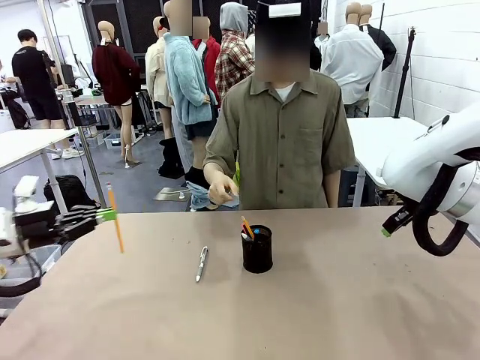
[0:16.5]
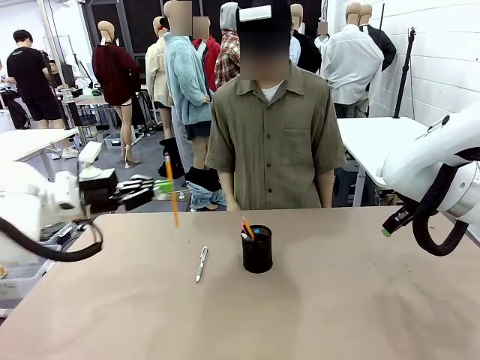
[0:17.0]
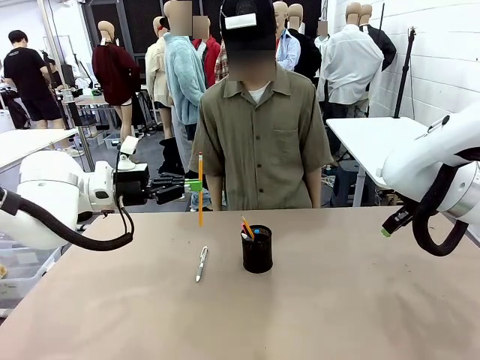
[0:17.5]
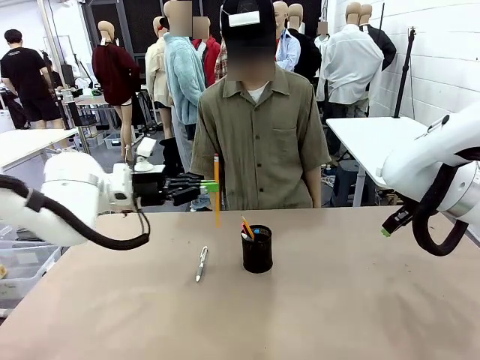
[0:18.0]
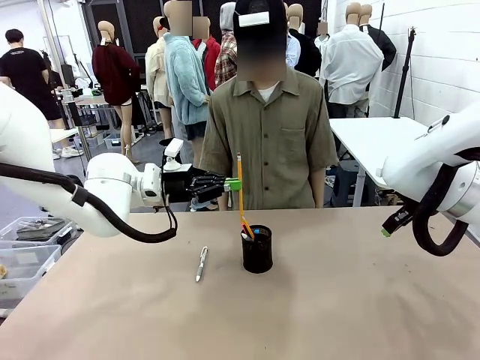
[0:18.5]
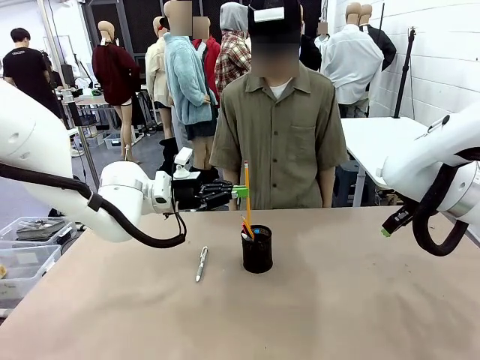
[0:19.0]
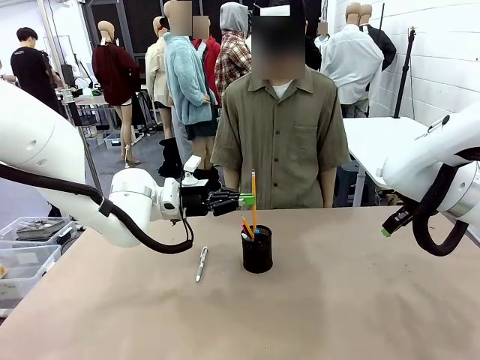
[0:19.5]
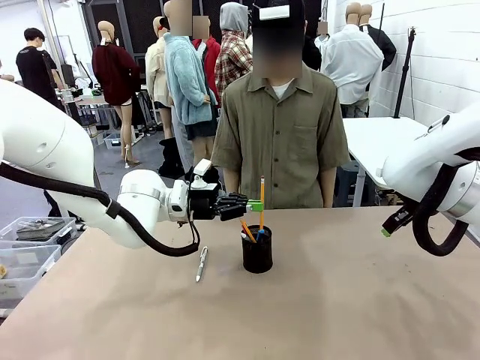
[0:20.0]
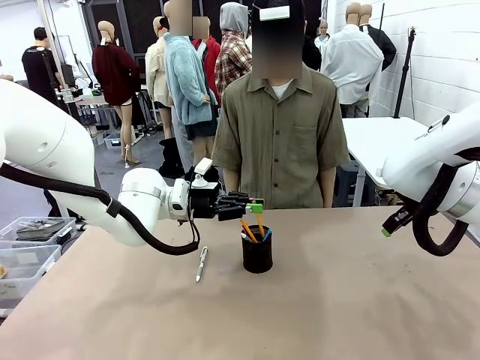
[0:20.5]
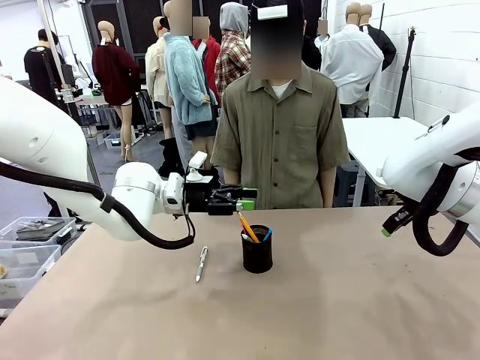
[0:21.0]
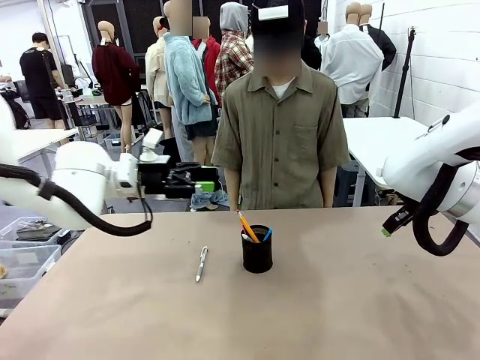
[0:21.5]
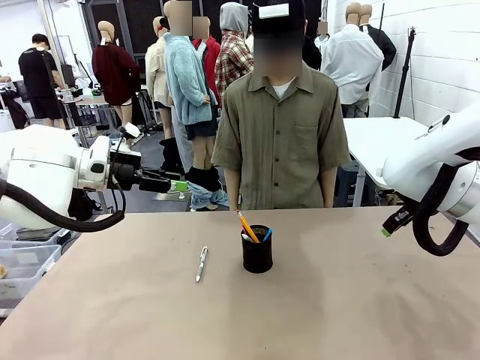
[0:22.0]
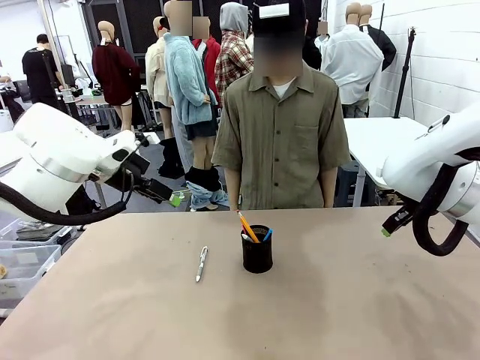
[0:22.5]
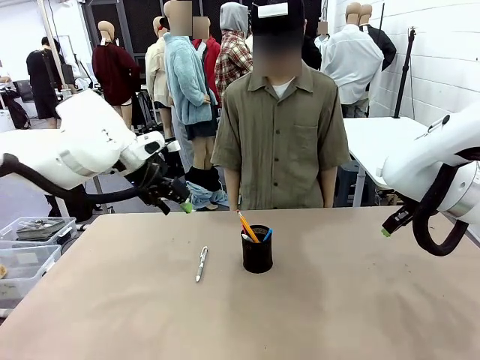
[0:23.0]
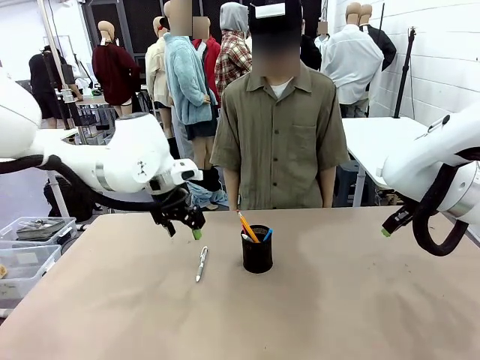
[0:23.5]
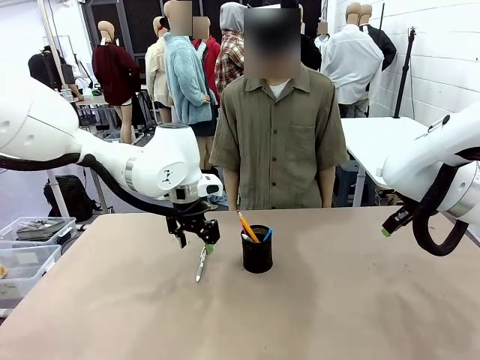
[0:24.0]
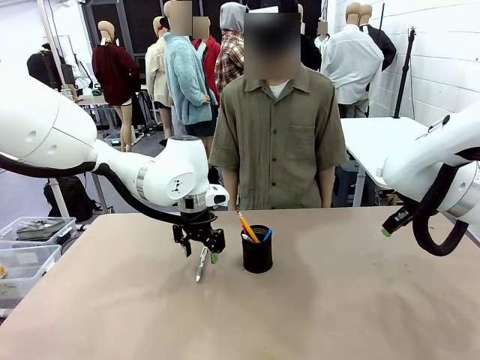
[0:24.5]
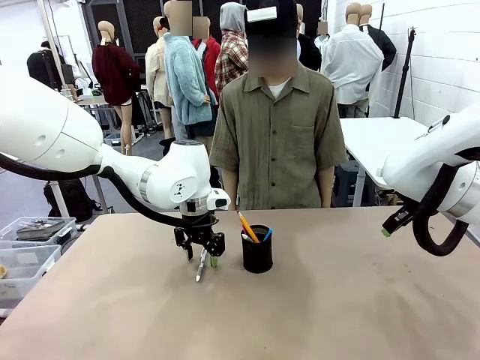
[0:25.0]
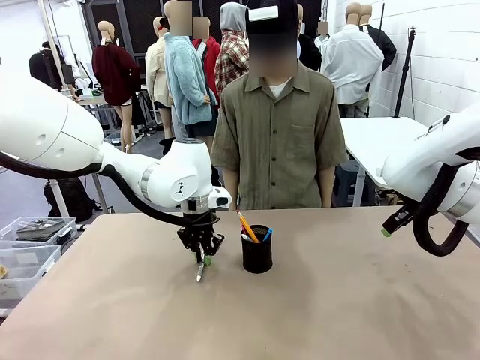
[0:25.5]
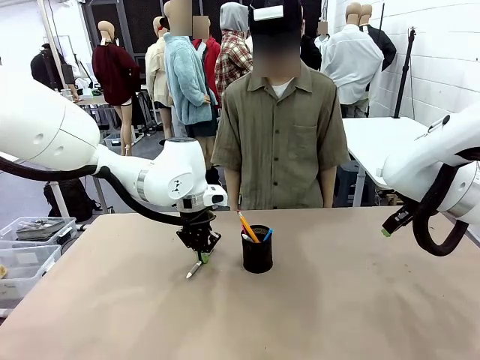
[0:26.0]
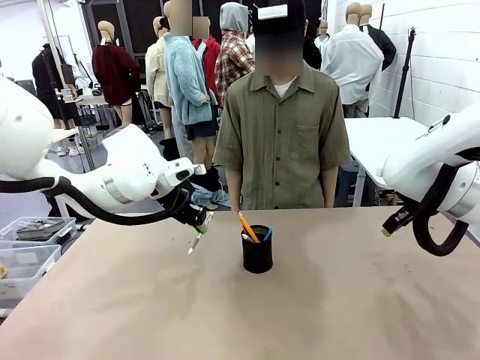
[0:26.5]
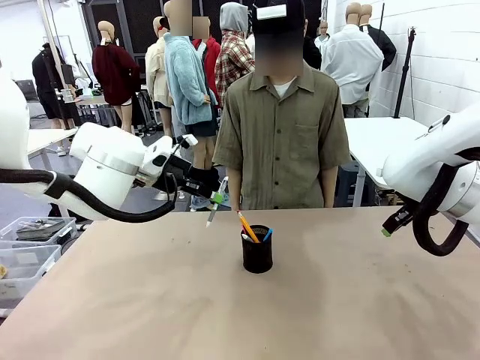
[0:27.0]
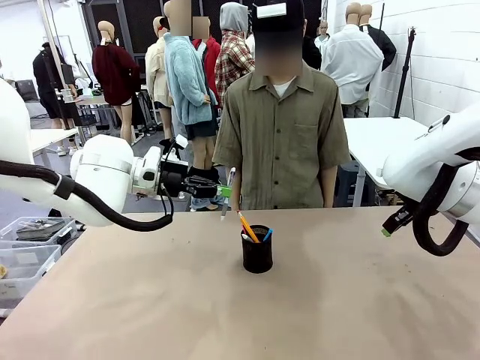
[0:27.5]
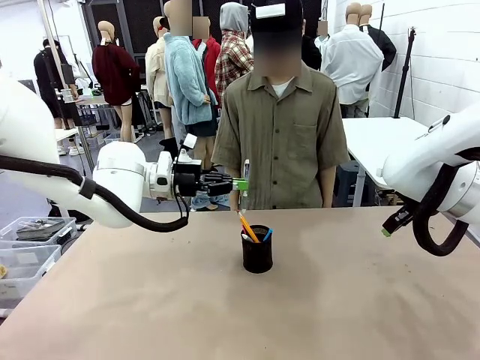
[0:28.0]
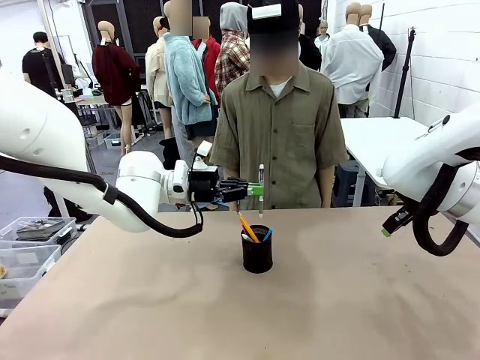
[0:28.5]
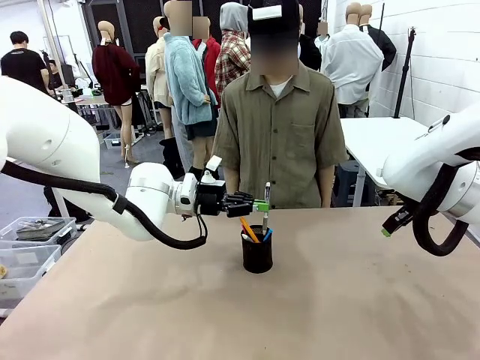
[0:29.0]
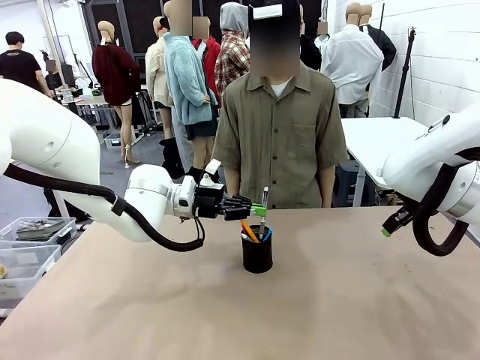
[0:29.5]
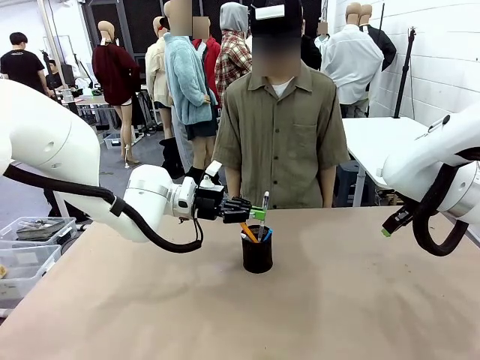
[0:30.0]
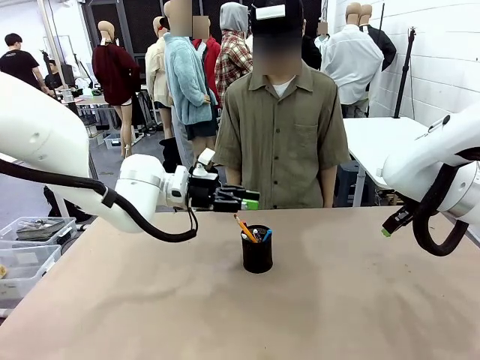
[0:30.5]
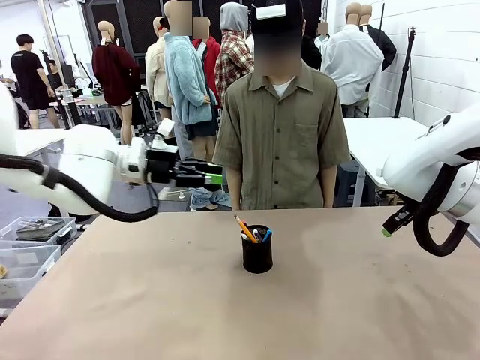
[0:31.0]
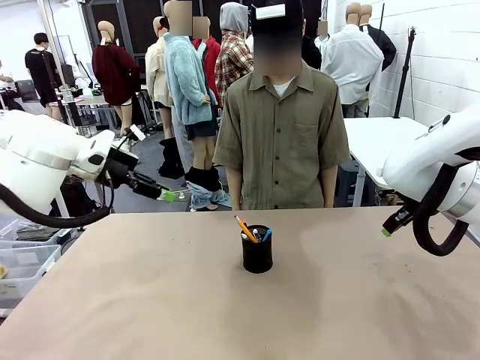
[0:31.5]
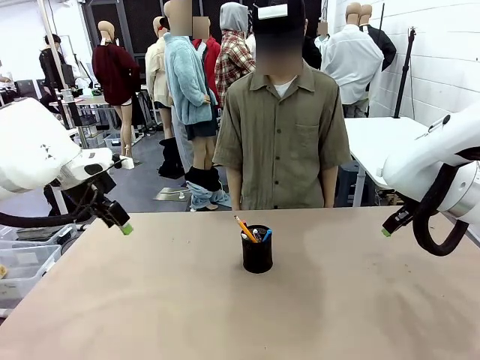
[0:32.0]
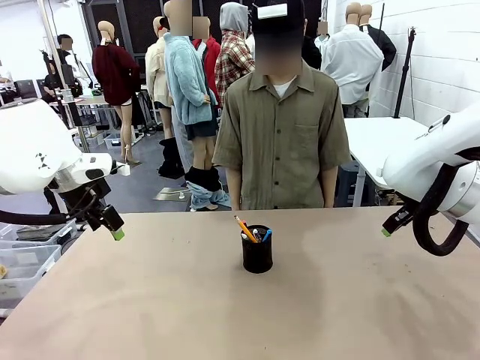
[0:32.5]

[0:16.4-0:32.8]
Task: Place the pens into the pen holder.
Robot: Pick up a writing instrument from the table and place it into the Pen holder.
Person: Place all writing instrument into the Pen holder.

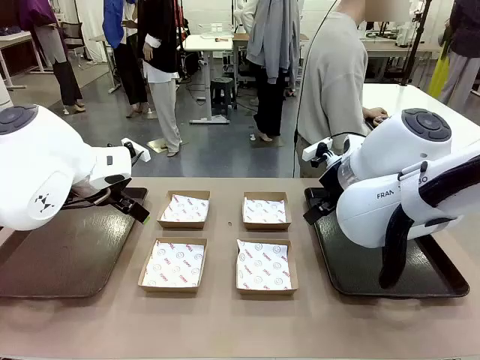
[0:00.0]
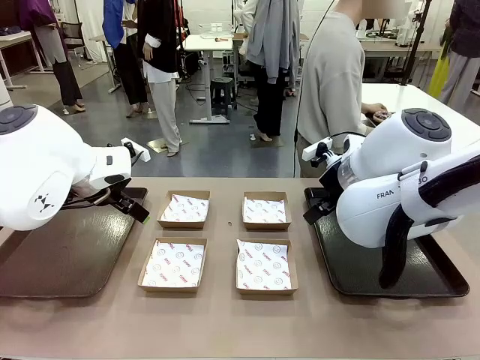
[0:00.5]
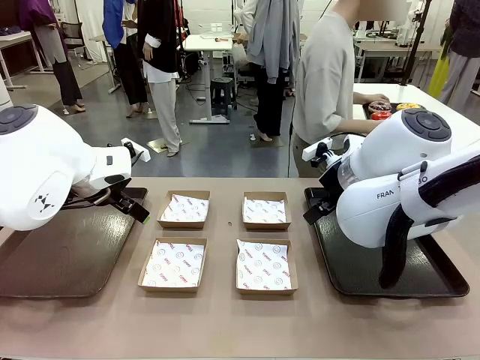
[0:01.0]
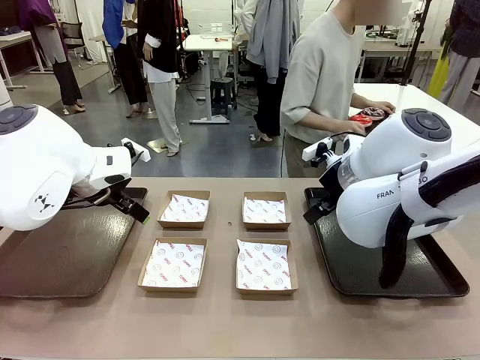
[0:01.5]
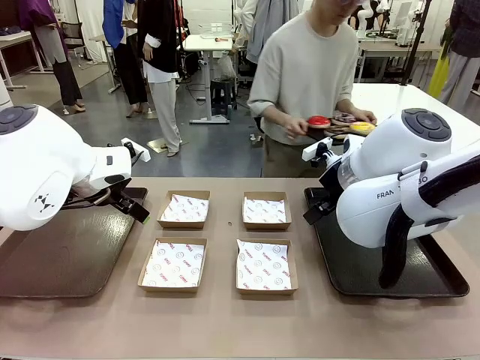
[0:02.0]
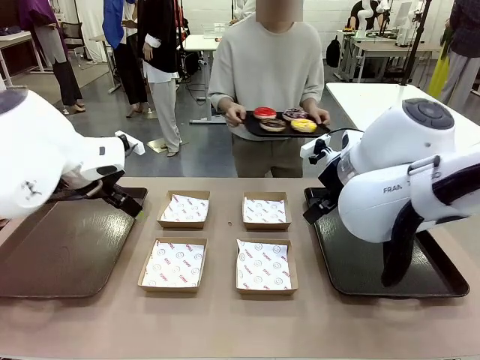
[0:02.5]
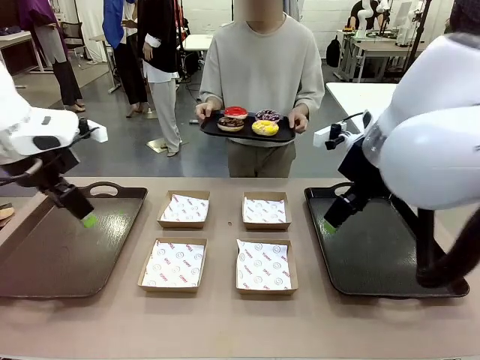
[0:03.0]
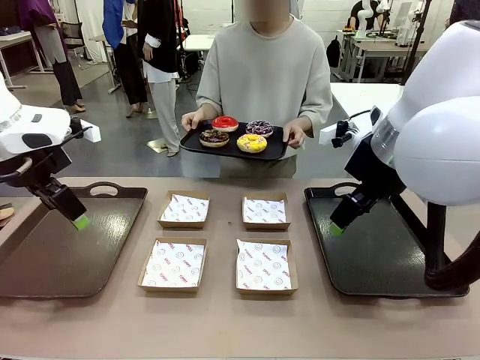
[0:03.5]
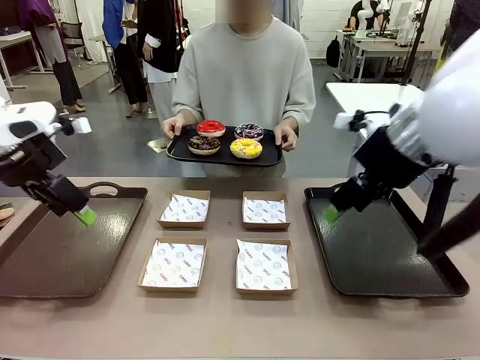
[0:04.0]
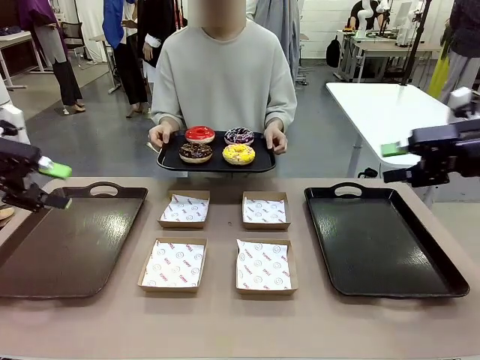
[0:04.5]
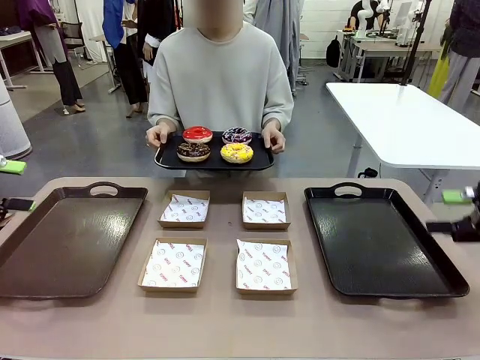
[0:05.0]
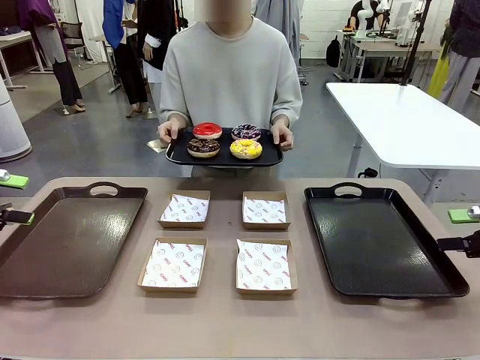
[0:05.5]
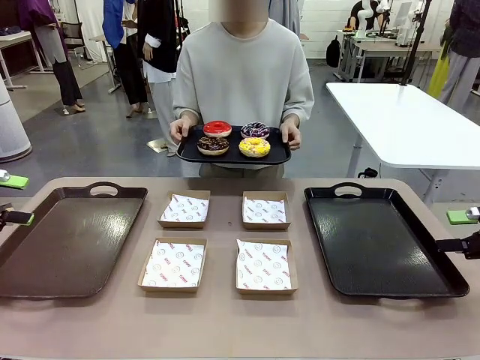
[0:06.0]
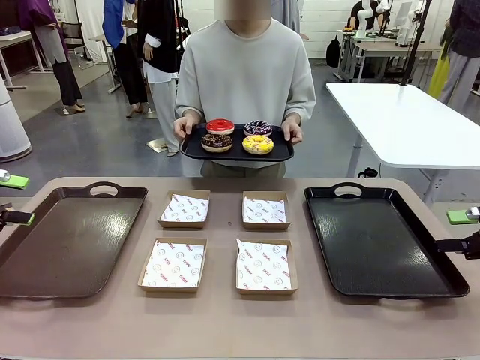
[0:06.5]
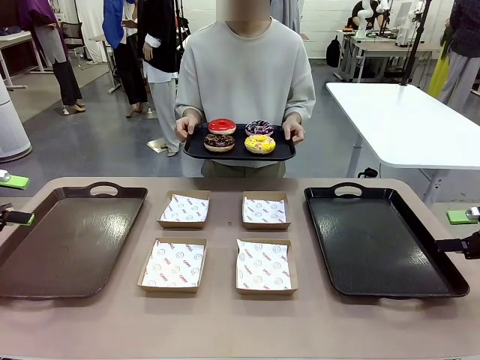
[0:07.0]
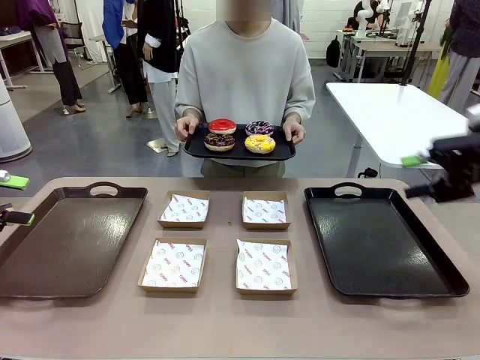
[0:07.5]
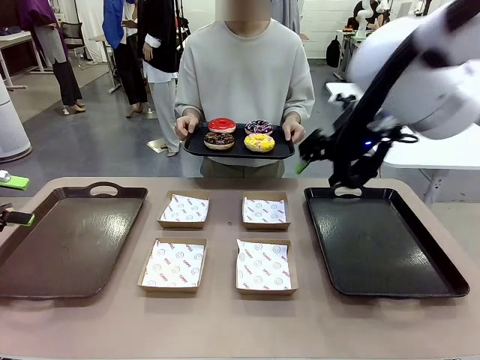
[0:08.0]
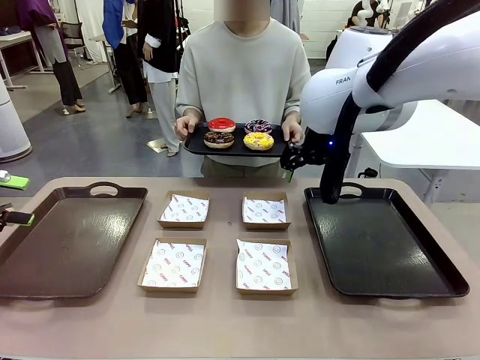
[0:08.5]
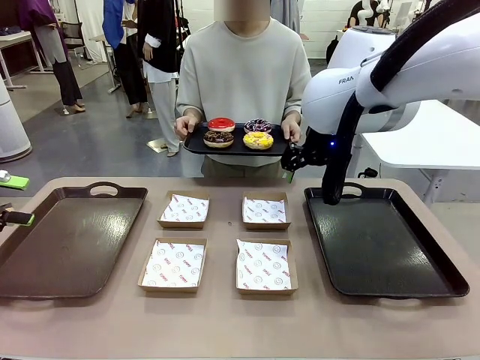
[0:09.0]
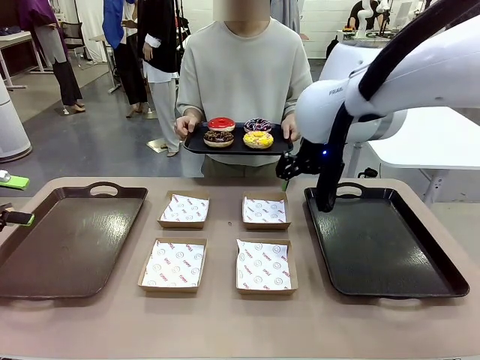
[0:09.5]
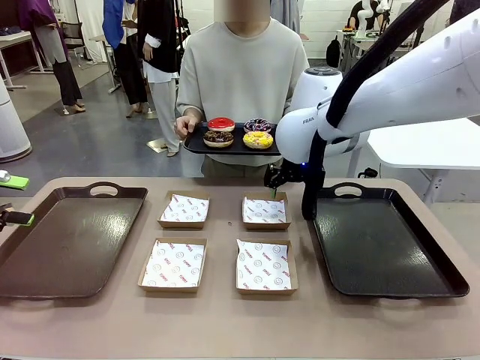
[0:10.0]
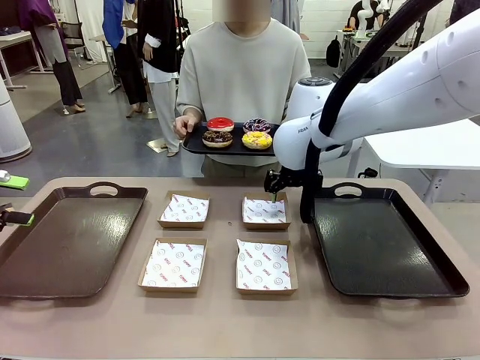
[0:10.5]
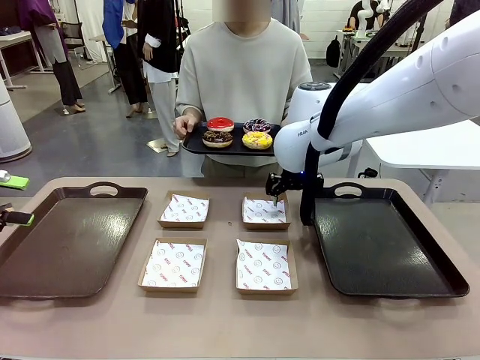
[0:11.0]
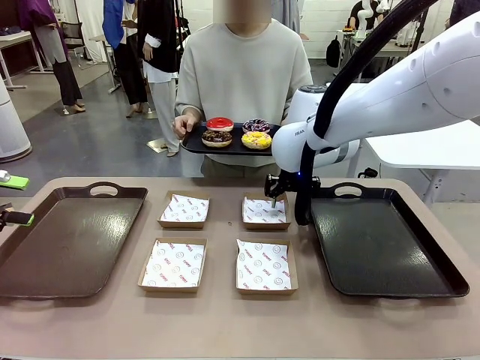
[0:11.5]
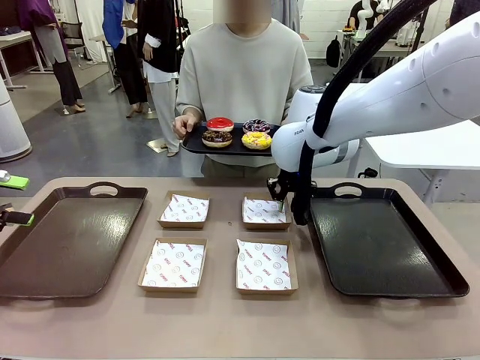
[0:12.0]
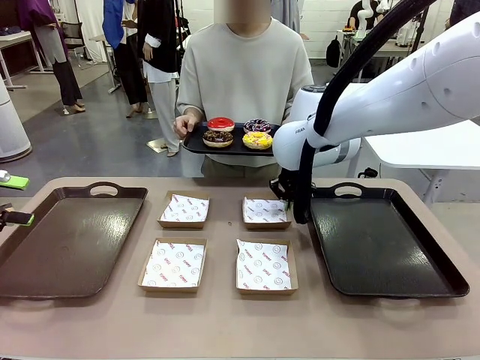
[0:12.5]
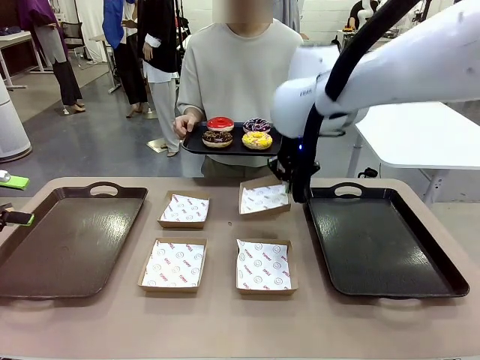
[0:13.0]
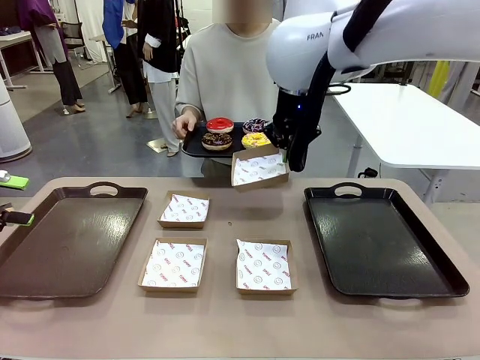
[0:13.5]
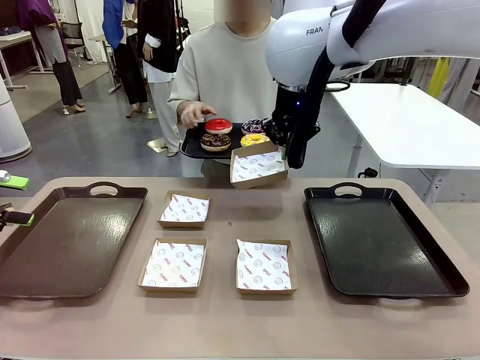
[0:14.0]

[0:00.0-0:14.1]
Task: Individually package the donuts and arrange them on the tray.
Robot: Pick up one Paper togo box.
Person: Stand in front of the robot table holding the tray containing the donuts.
